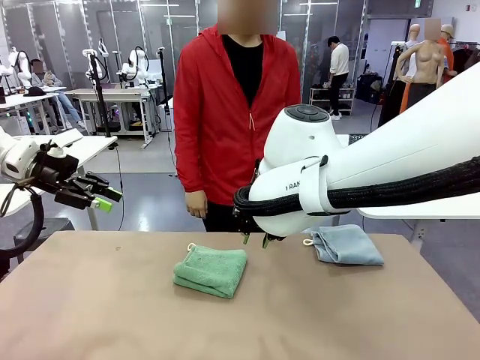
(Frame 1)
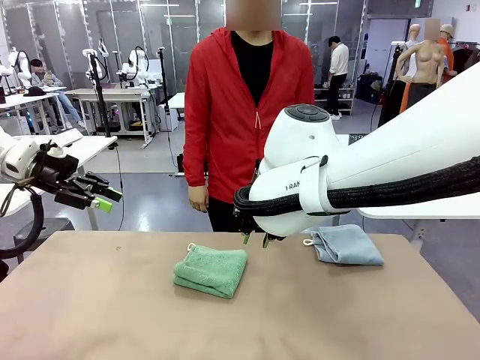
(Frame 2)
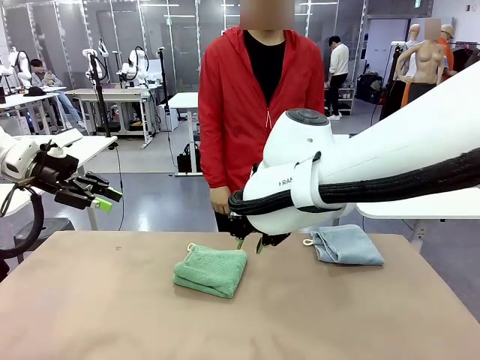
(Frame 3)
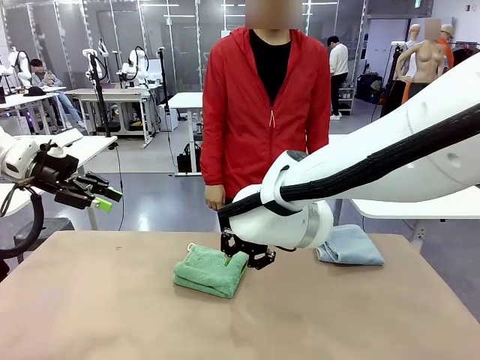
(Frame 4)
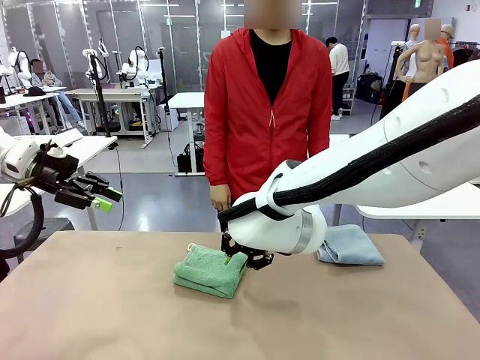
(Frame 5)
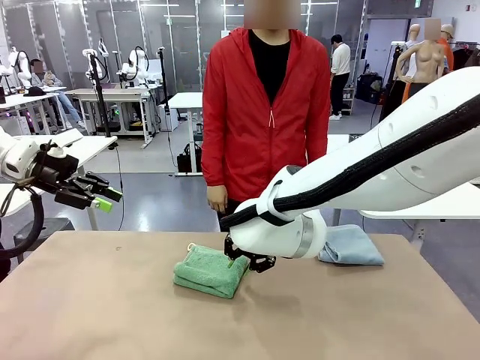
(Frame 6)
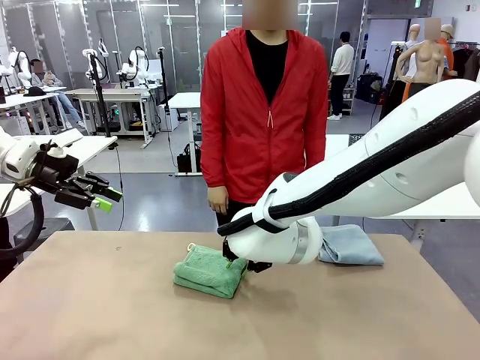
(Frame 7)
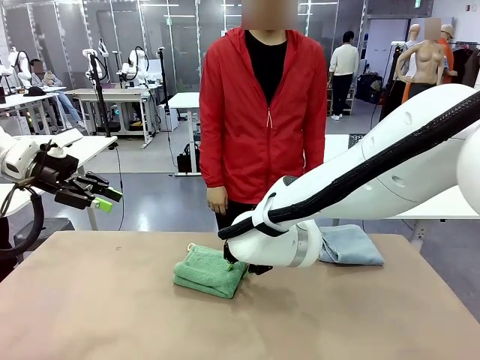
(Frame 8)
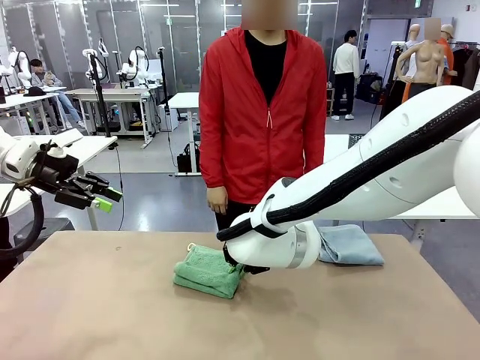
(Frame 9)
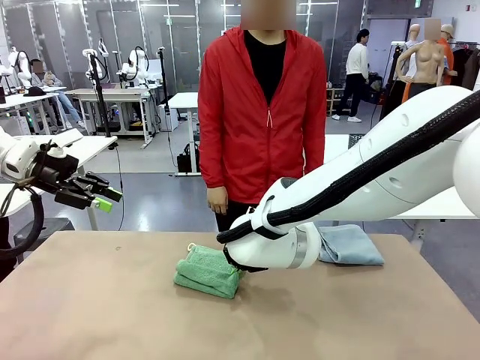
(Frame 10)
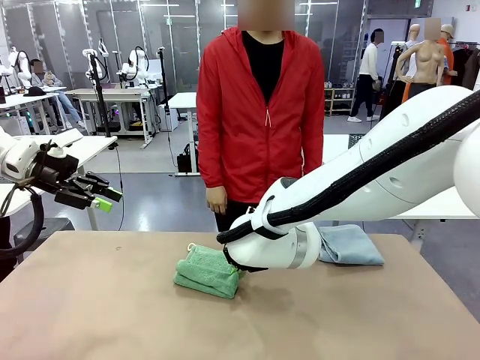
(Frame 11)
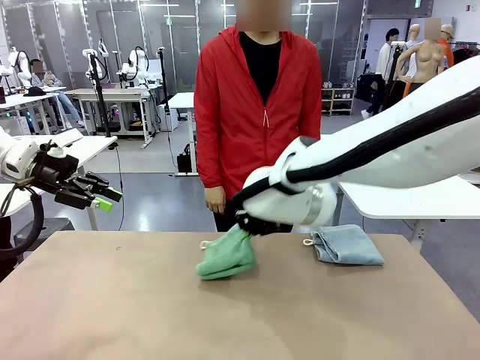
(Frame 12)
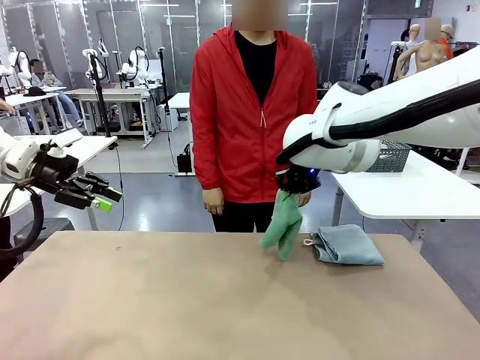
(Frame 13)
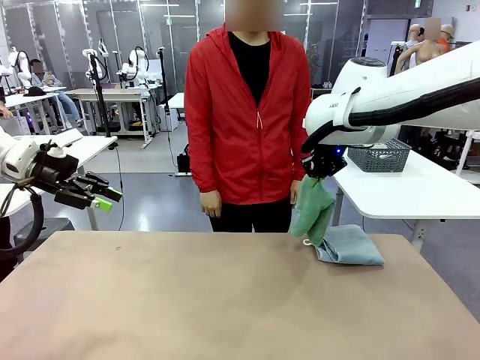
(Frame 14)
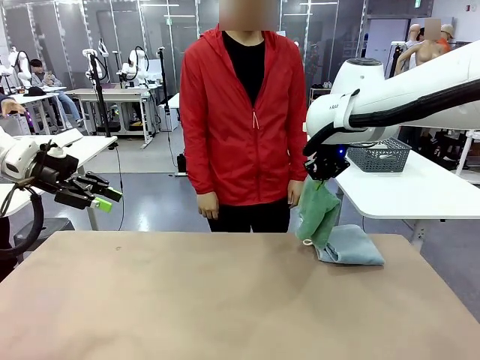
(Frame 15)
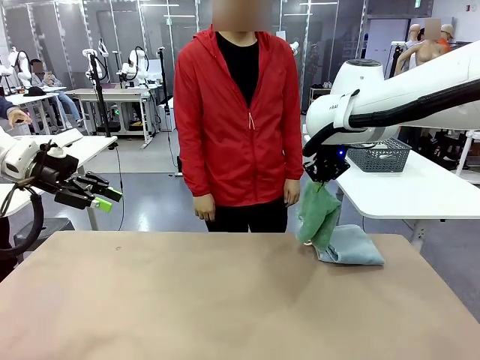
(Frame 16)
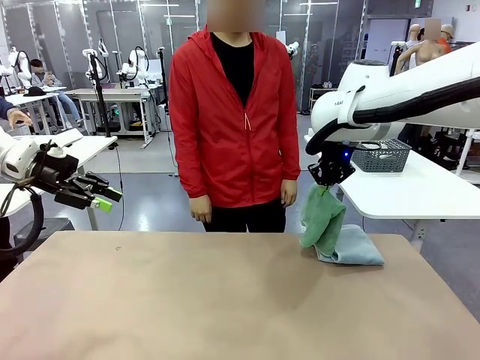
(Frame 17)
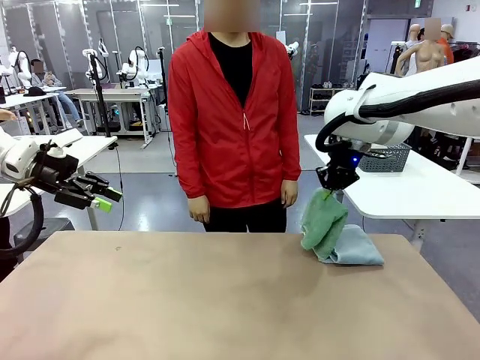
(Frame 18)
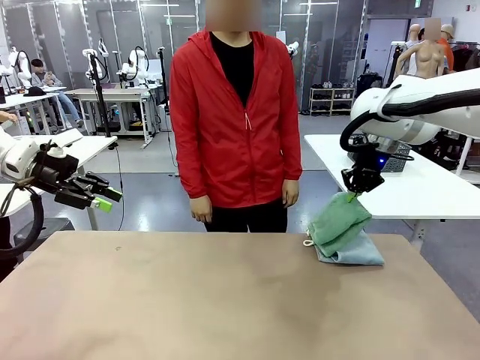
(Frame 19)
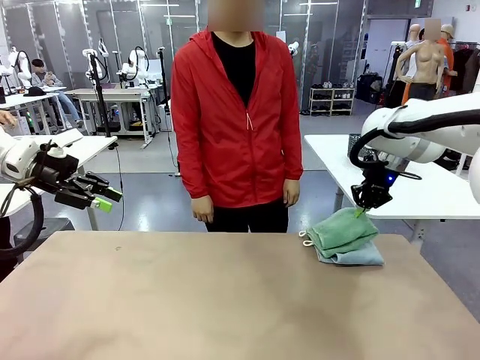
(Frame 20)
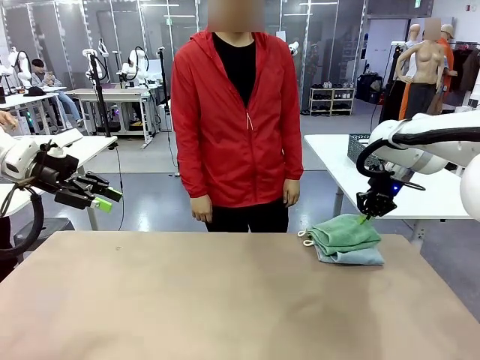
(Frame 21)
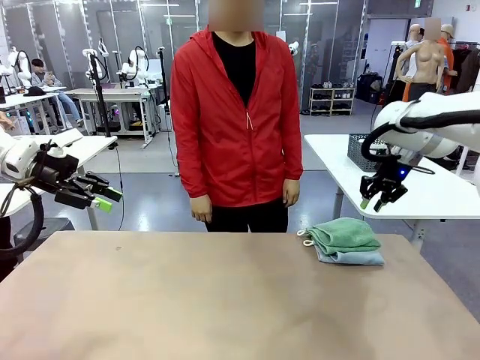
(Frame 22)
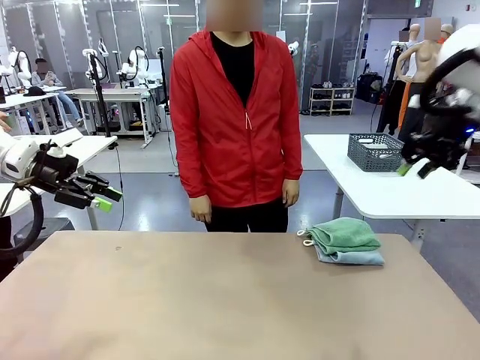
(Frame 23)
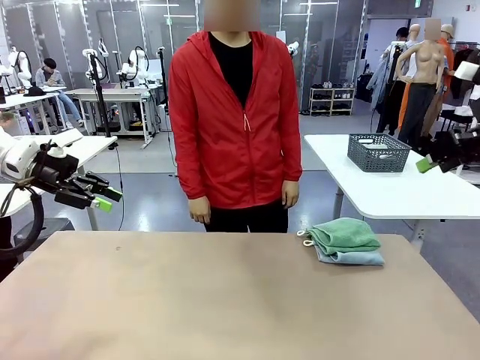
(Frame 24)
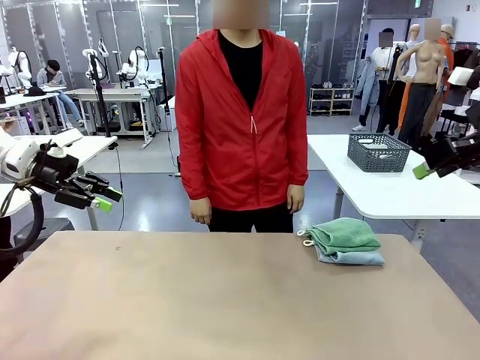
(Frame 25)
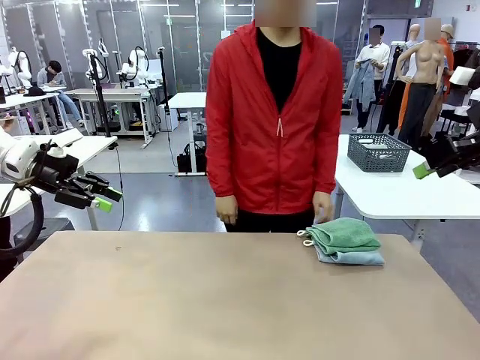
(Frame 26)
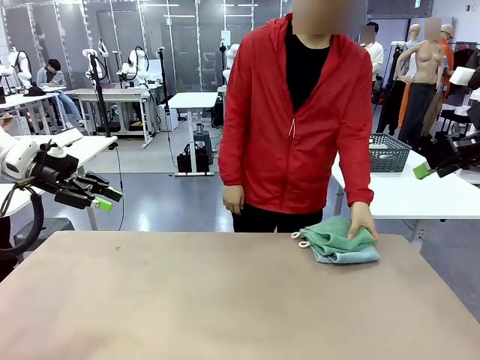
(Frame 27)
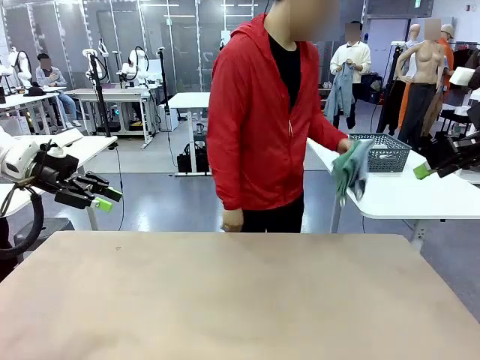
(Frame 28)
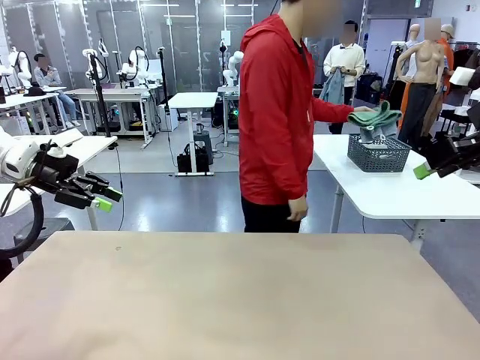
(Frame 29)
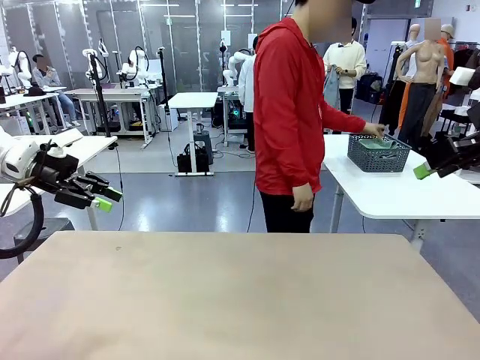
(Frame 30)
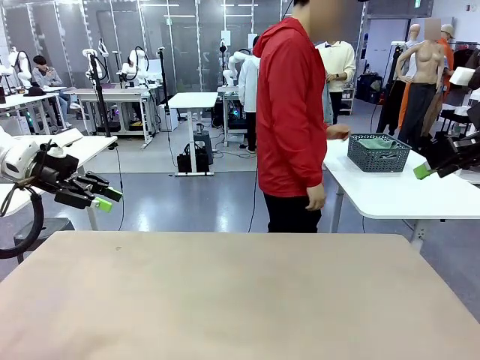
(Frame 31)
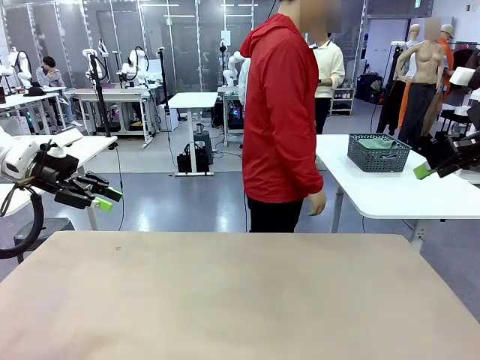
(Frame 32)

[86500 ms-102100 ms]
Task: Fold the towels and place them in the basket.
Robot: Stack the folded Towel with hook on the right side of the table.
Person: Pick up the stack of towels from the robot table and place it into the basket.
